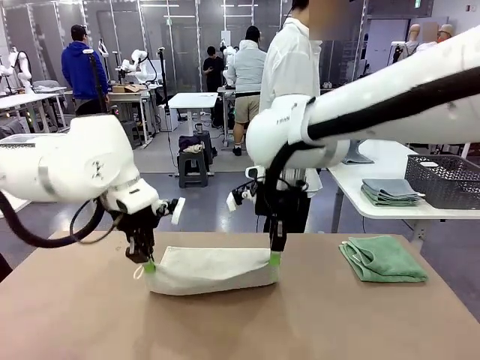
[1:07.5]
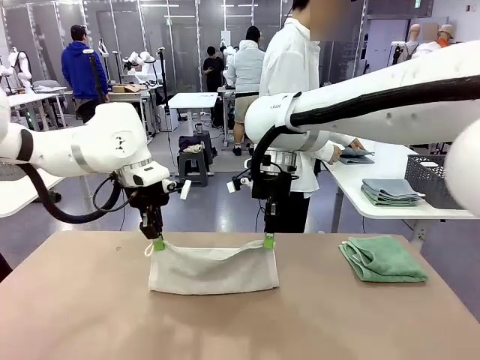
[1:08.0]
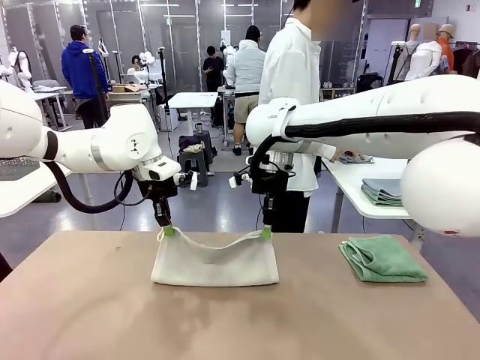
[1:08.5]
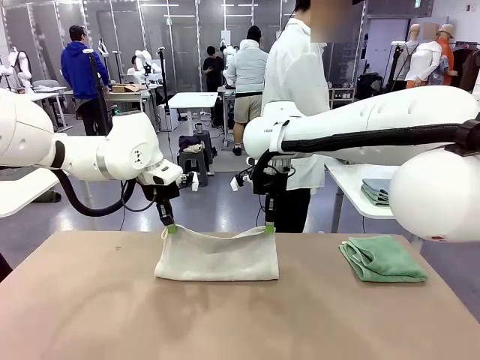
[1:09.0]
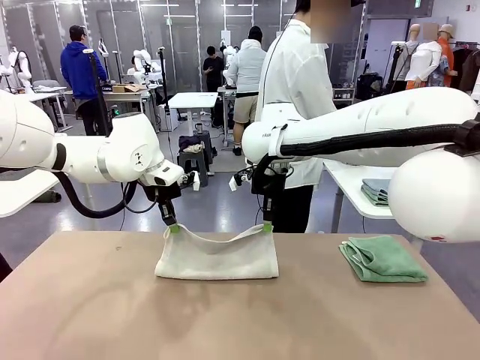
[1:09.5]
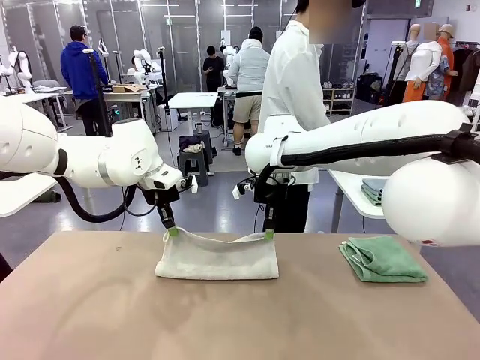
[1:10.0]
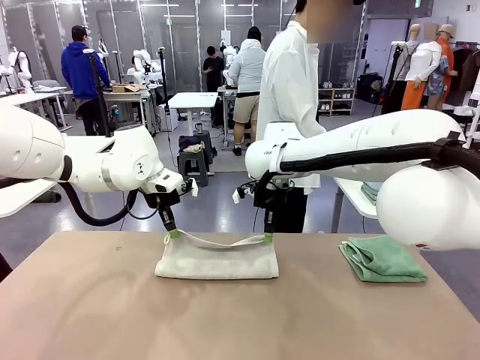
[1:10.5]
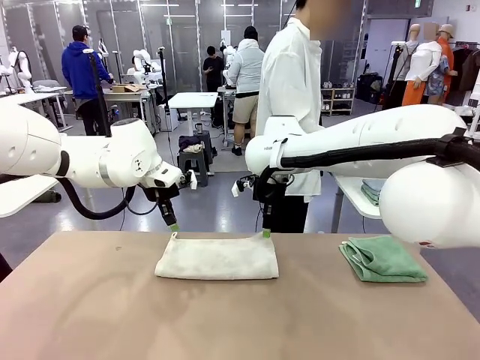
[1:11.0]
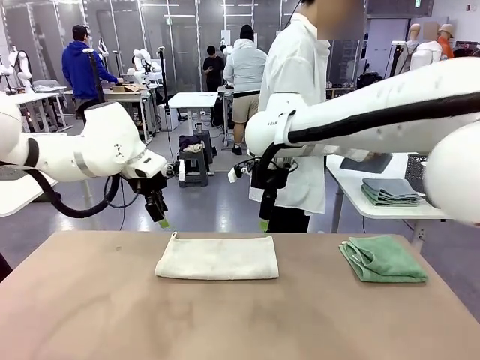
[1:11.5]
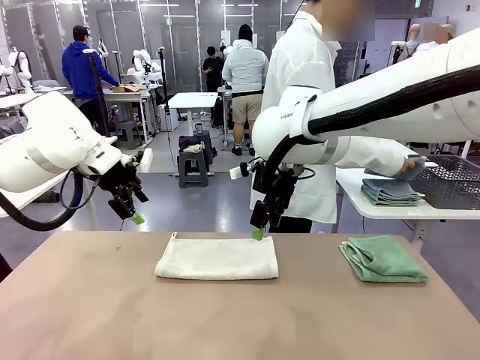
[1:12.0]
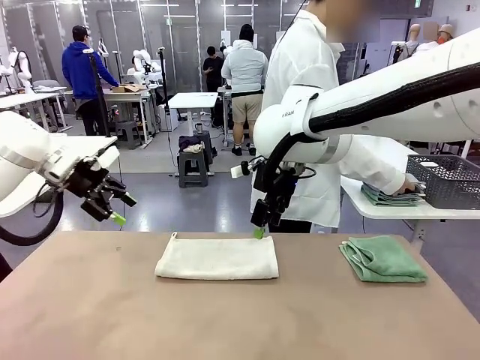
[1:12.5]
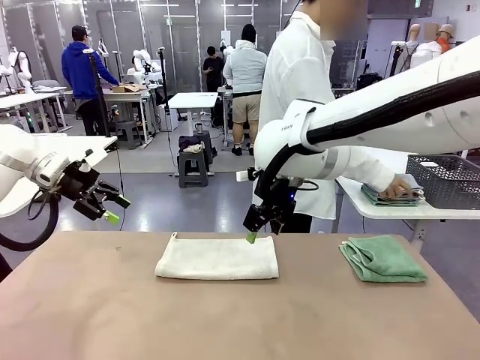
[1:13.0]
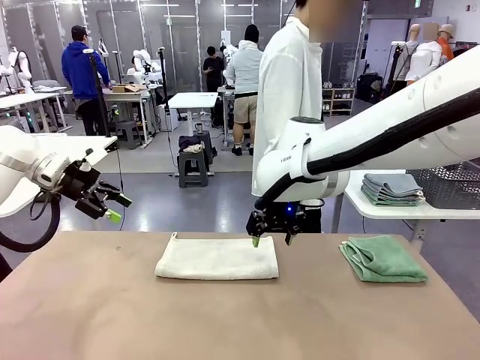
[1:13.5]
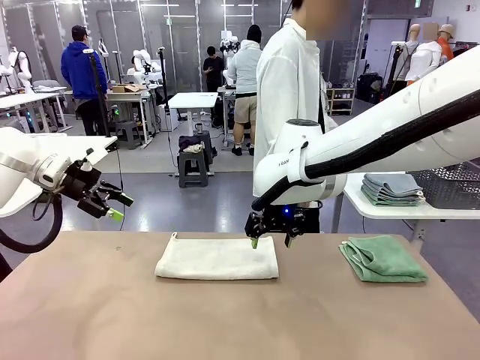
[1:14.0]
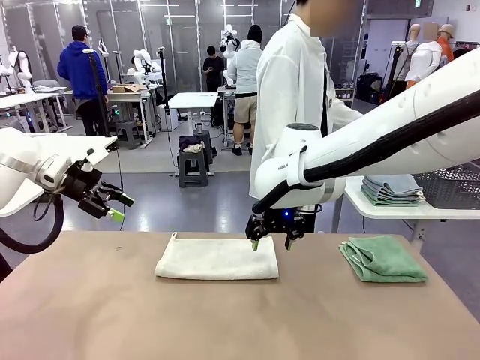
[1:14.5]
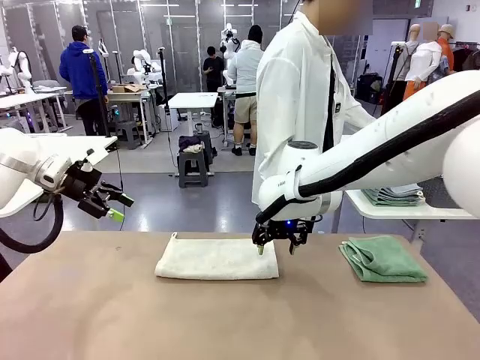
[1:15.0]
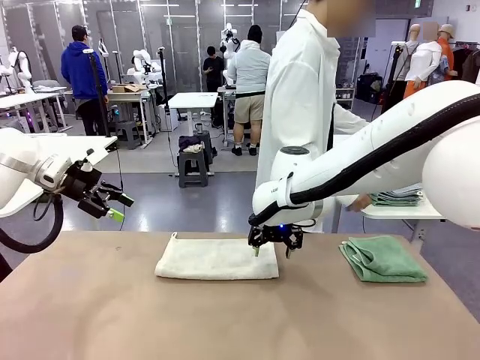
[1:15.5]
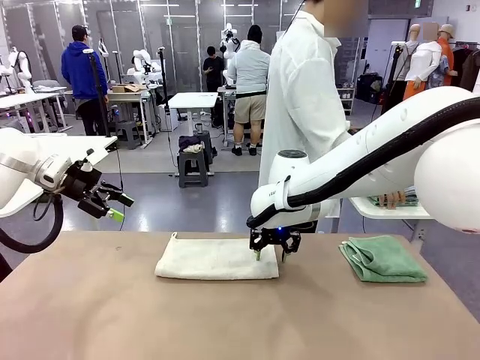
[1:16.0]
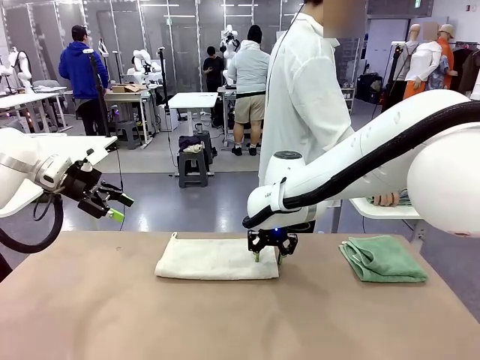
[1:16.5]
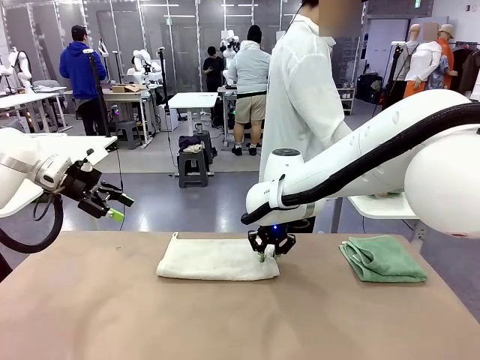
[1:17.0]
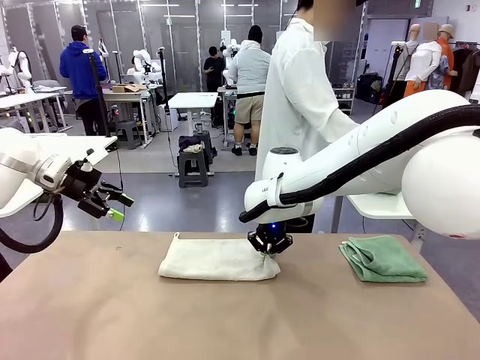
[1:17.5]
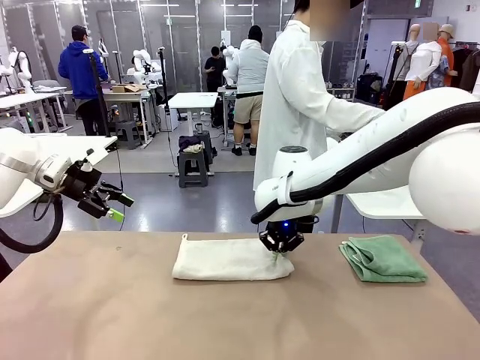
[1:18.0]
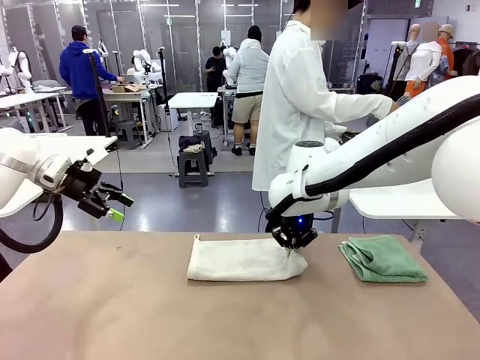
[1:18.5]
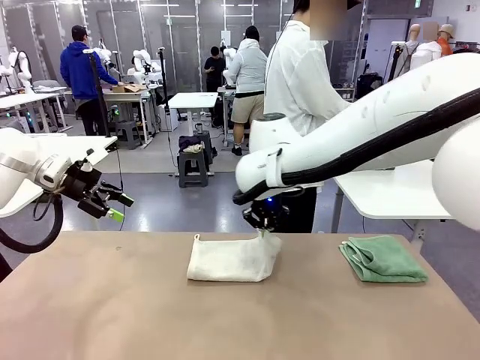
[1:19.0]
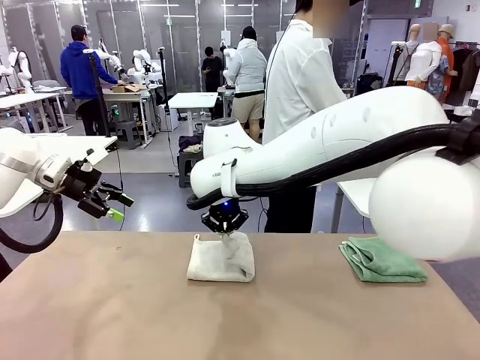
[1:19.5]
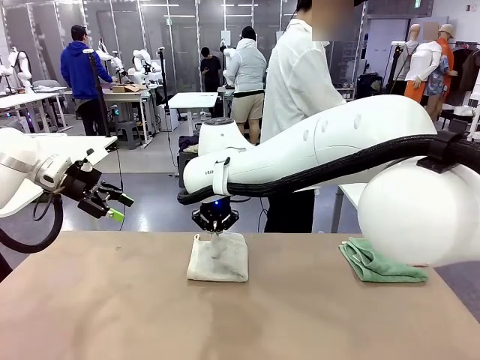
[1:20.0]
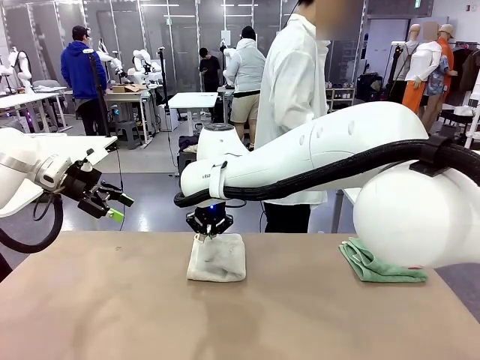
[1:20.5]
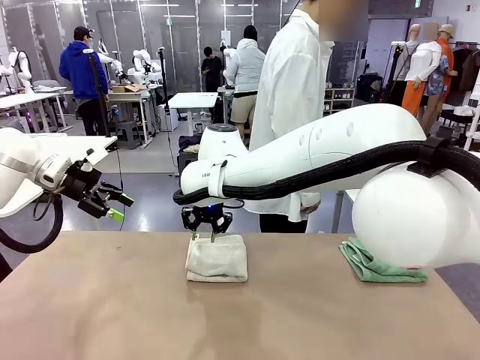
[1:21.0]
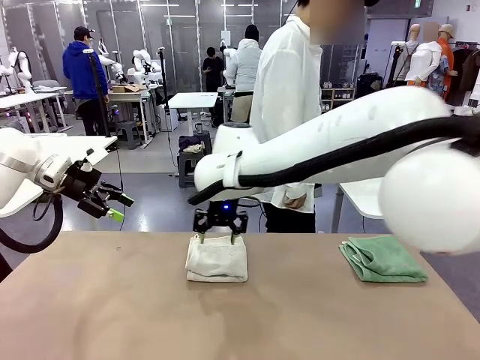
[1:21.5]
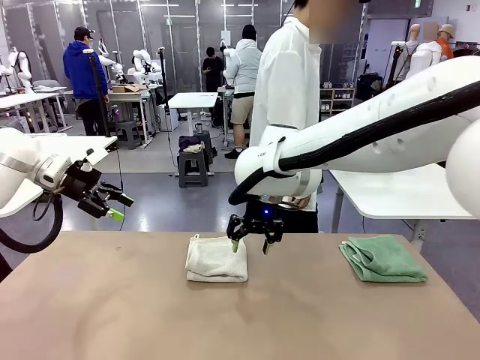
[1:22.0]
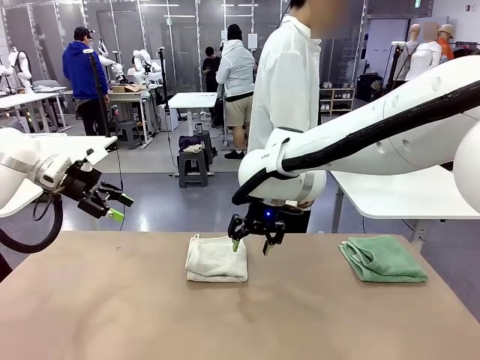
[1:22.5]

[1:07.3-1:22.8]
Task: Fold the towels and place them in the basket.
Robot: When a person lays out a Towel with hook on the table, fold it in half twice.
Person: Pick up the stack of towels from the right side of the human table, place it into the basket, and put the basket at the center of the table.

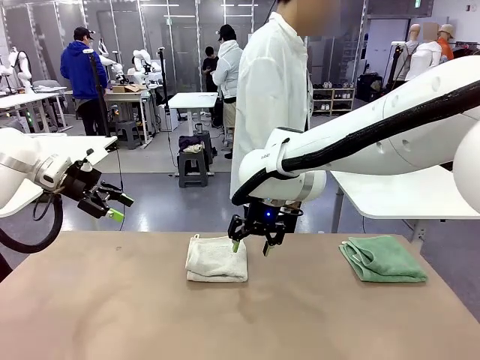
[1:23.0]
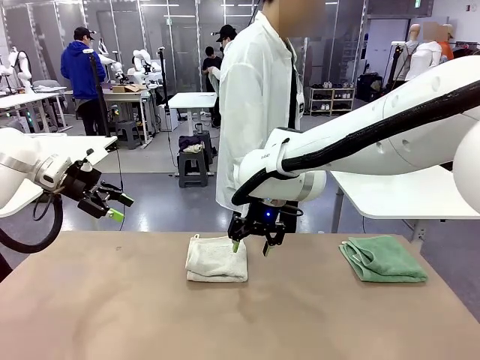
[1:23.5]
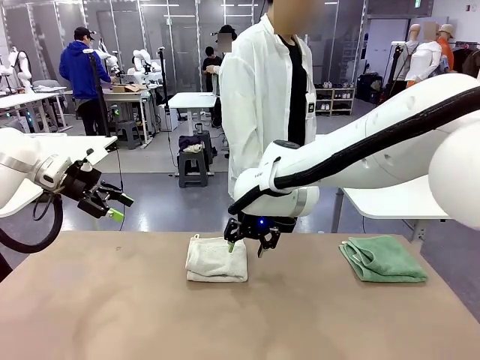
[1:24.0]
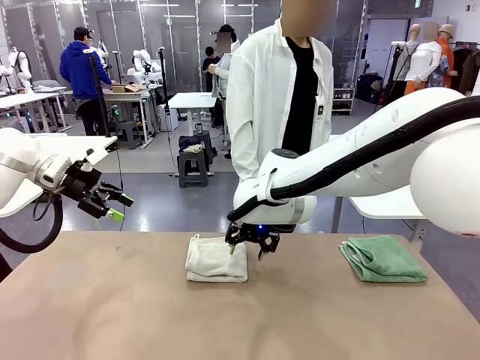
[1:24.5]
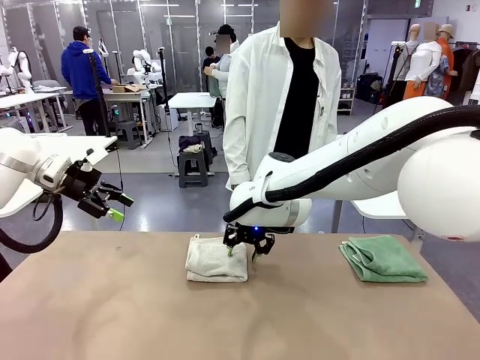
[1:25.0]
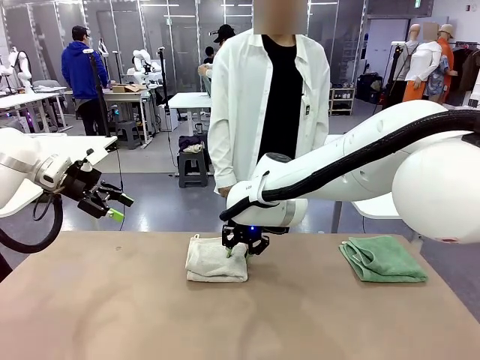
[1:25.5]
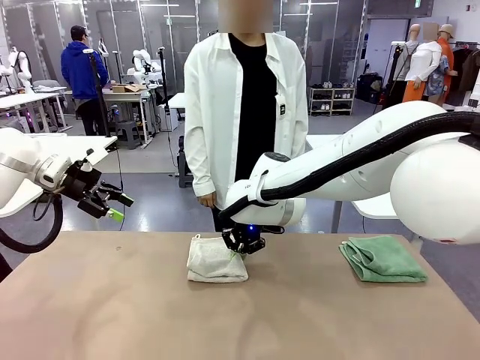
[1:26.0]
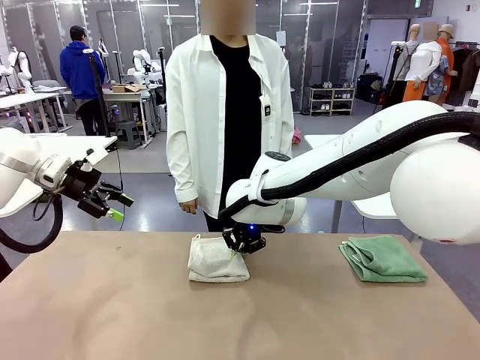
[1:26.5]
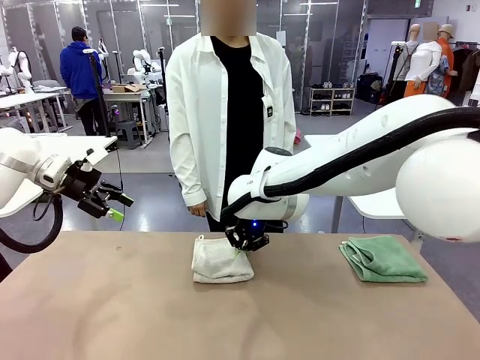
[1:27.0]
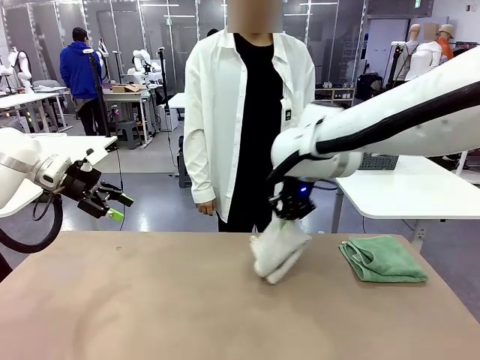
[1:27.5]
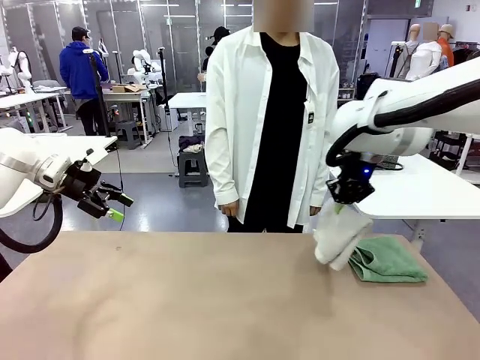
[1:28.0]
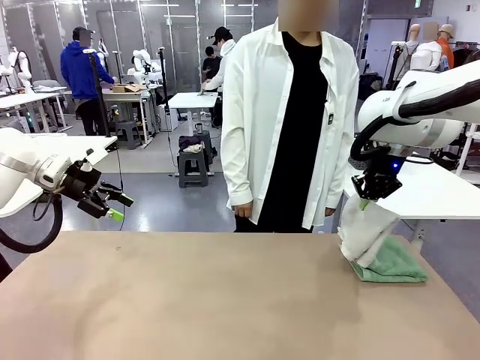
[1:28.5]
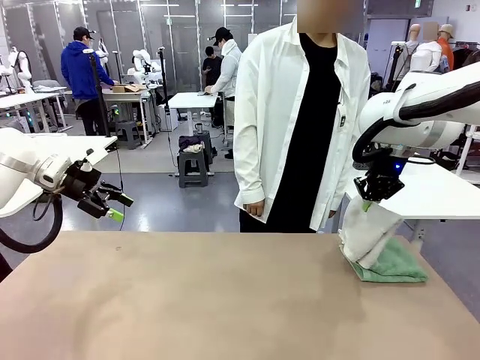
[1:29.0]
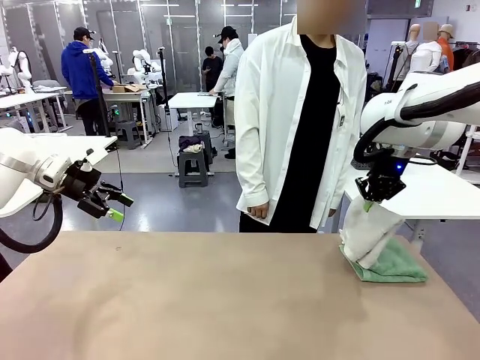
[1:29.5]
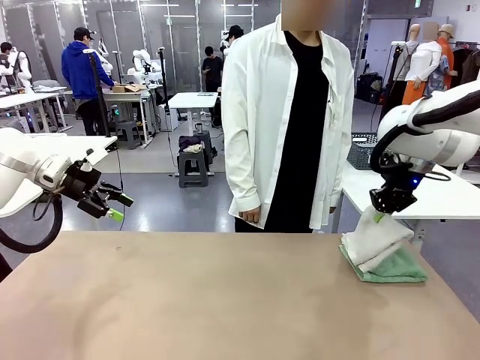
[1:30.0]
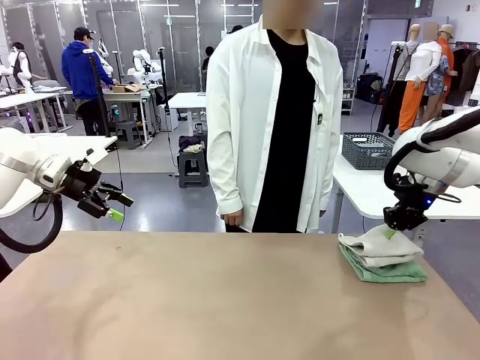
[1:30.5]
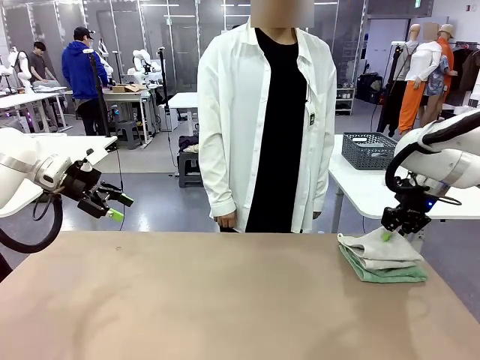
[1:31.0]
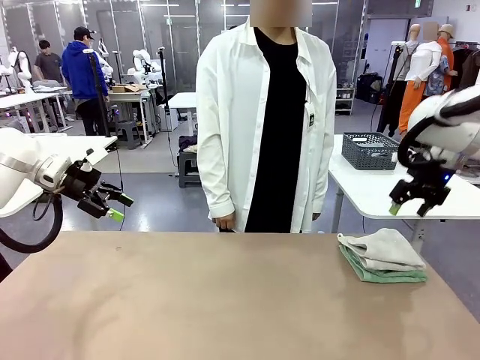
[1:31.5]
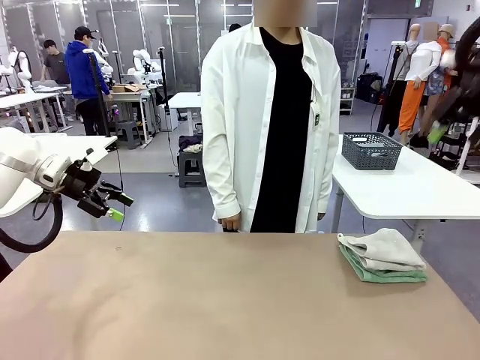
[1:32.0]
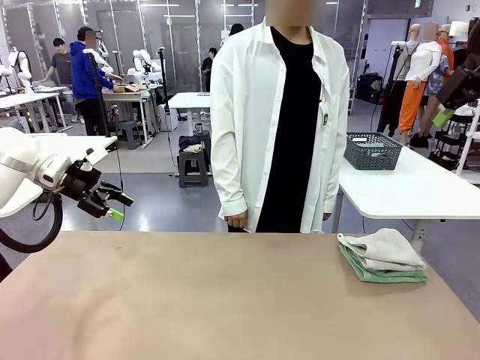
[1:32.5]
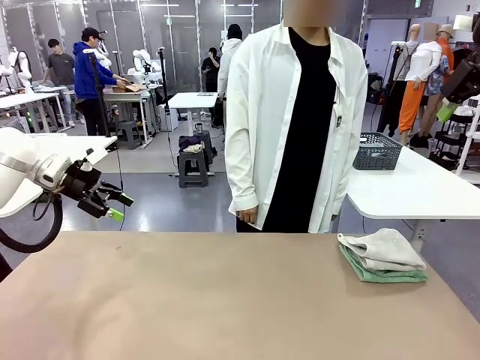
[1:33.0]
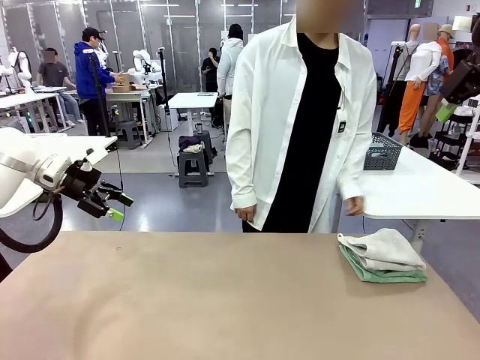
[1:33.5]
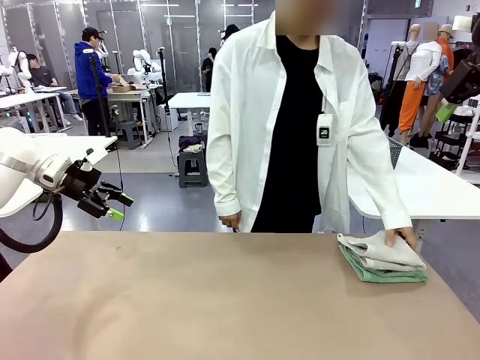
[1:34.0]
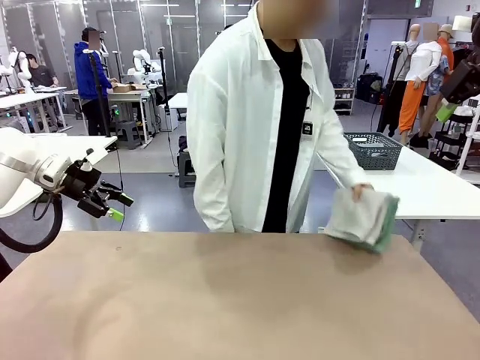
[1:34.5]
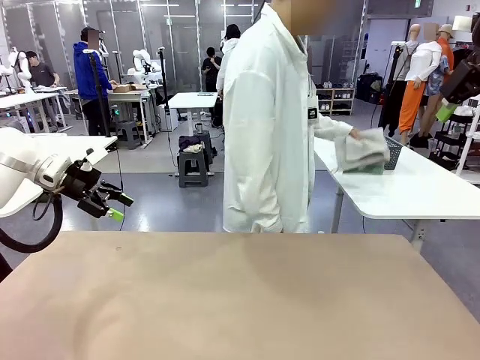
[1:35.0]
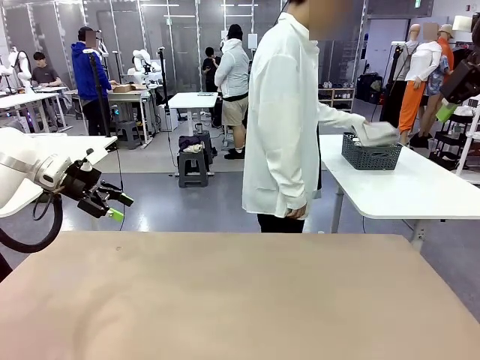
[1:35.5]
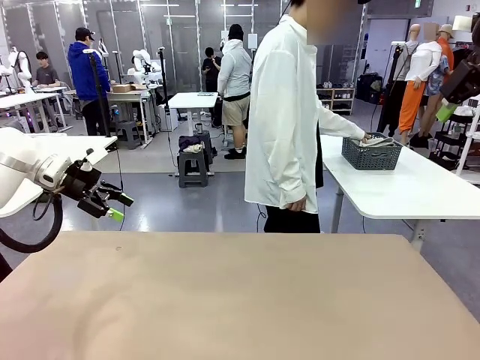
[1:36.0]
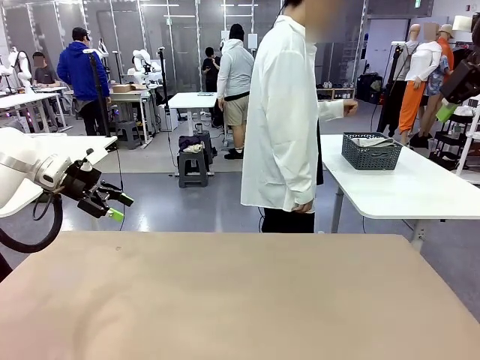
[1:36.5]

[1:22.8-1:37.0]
Robot: Stack the folded Towel with hook on the right side of the table.
Person: Pick up the stack of towels from the robot table and place it into the basket.
